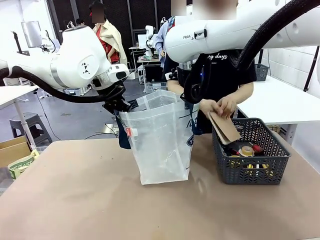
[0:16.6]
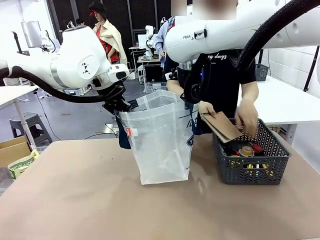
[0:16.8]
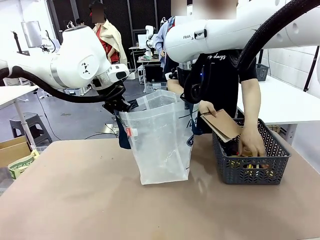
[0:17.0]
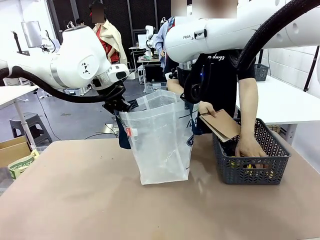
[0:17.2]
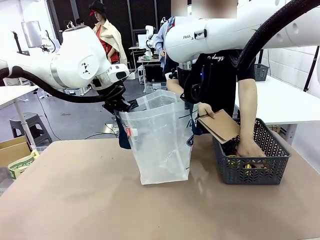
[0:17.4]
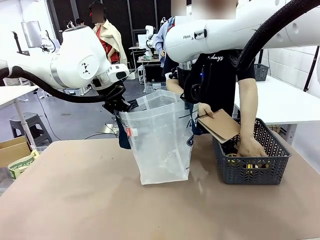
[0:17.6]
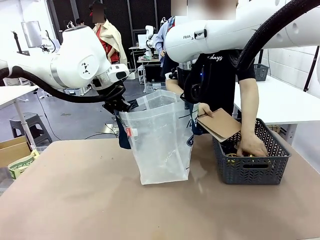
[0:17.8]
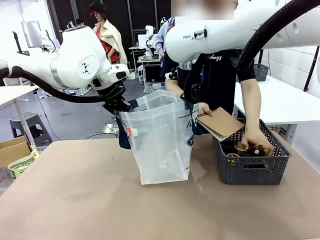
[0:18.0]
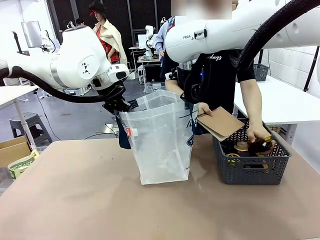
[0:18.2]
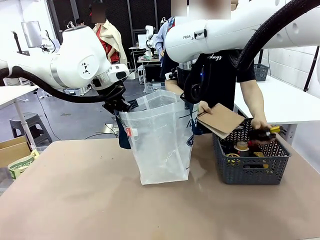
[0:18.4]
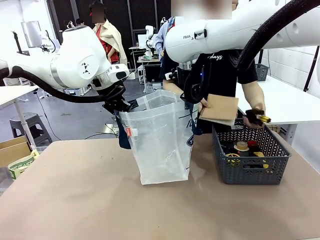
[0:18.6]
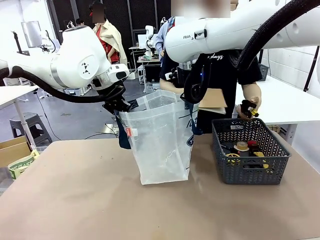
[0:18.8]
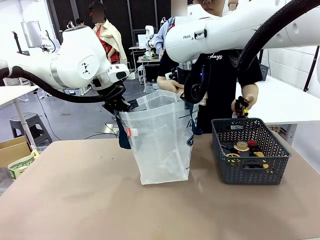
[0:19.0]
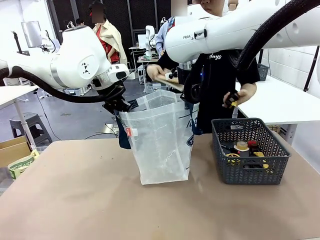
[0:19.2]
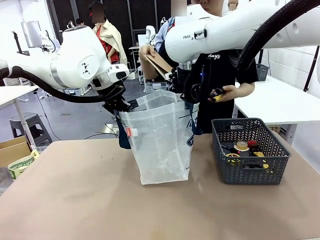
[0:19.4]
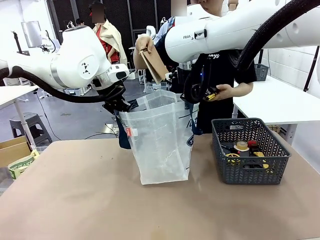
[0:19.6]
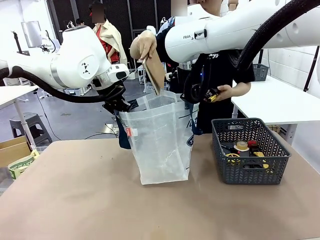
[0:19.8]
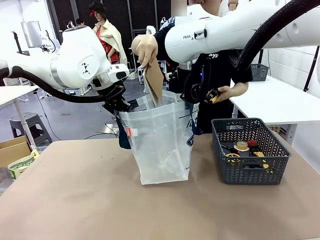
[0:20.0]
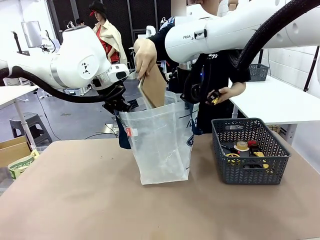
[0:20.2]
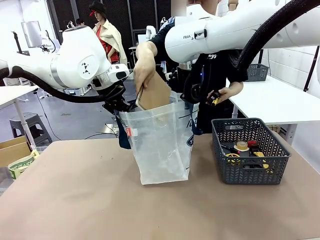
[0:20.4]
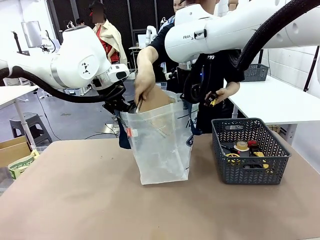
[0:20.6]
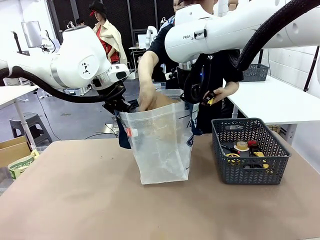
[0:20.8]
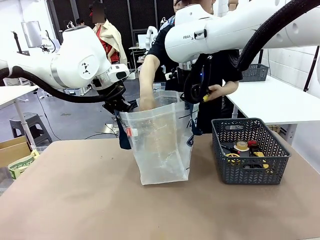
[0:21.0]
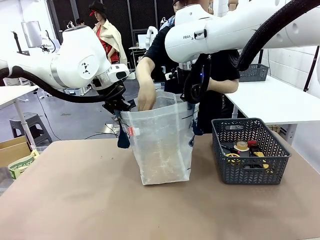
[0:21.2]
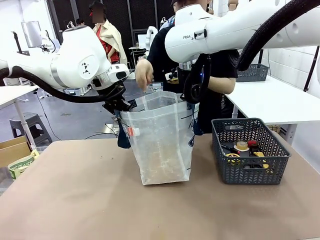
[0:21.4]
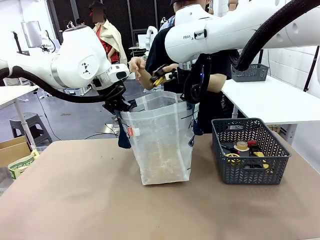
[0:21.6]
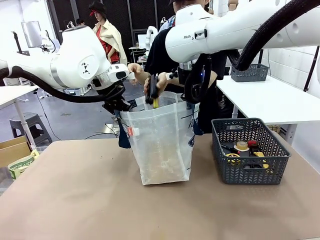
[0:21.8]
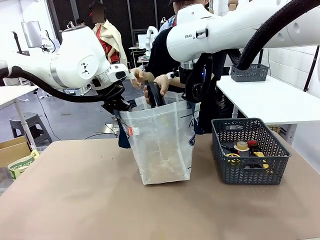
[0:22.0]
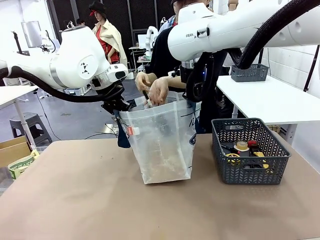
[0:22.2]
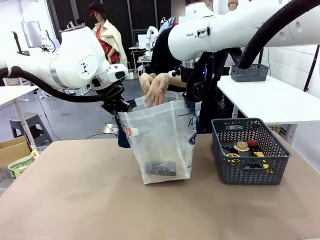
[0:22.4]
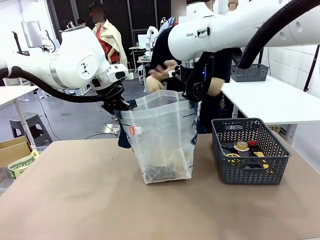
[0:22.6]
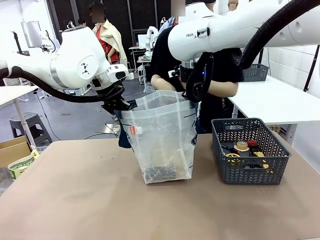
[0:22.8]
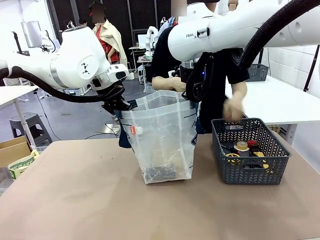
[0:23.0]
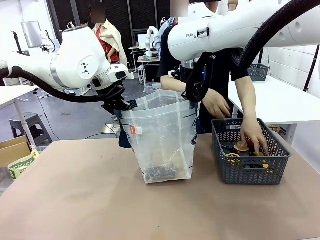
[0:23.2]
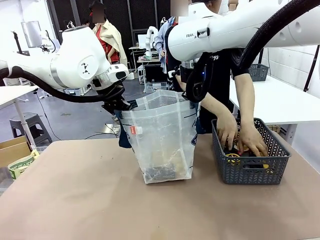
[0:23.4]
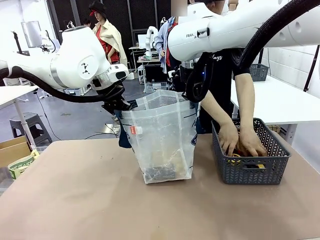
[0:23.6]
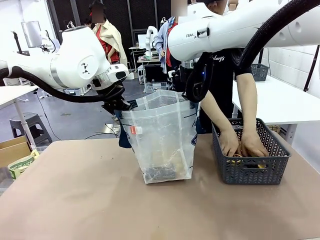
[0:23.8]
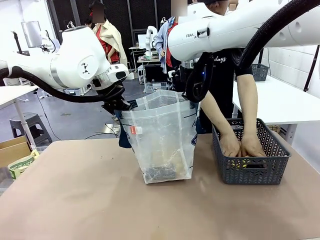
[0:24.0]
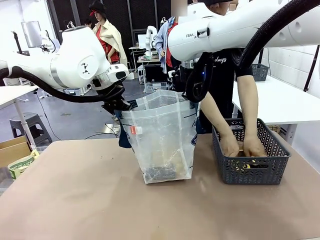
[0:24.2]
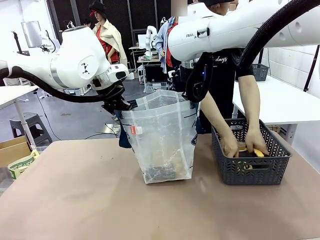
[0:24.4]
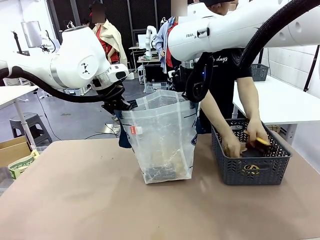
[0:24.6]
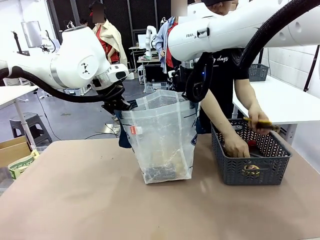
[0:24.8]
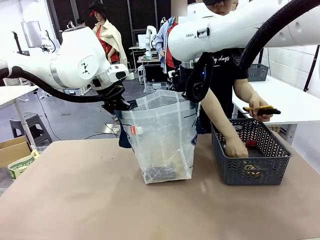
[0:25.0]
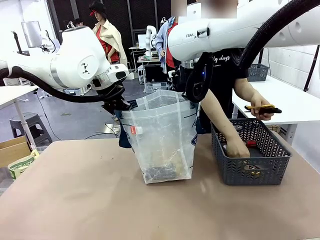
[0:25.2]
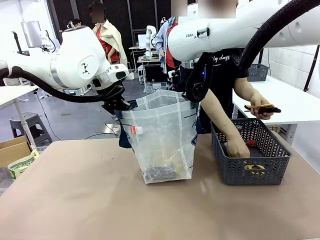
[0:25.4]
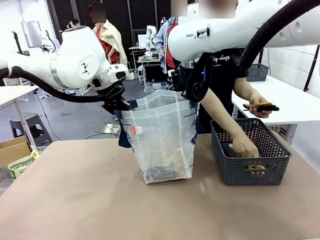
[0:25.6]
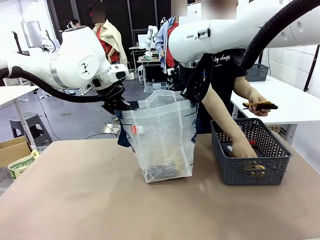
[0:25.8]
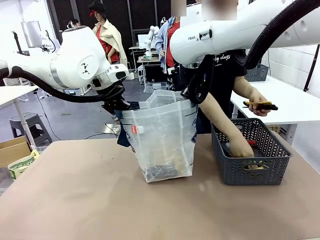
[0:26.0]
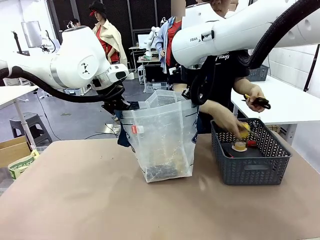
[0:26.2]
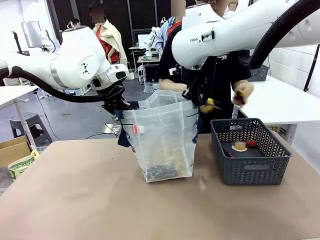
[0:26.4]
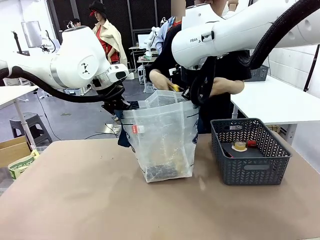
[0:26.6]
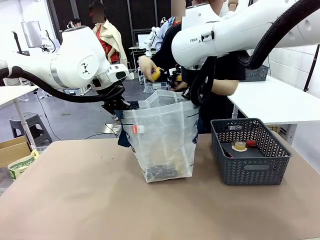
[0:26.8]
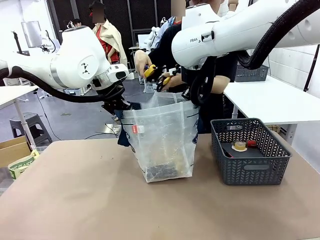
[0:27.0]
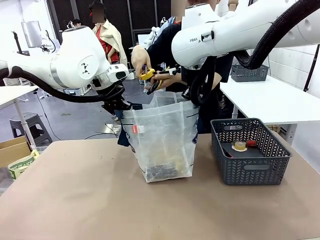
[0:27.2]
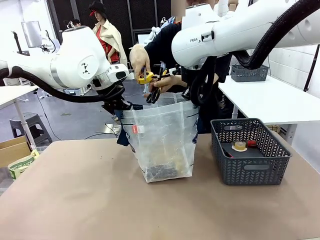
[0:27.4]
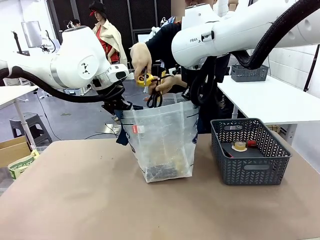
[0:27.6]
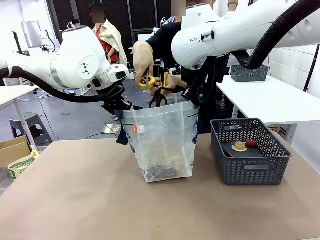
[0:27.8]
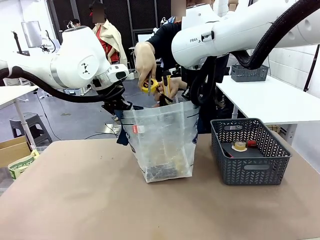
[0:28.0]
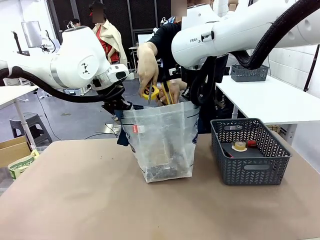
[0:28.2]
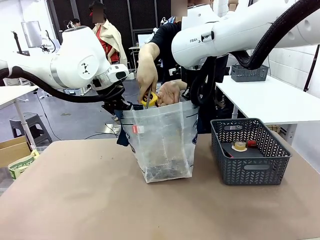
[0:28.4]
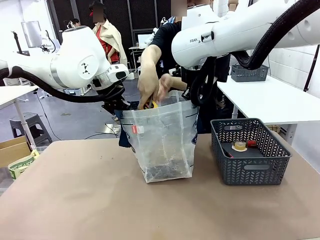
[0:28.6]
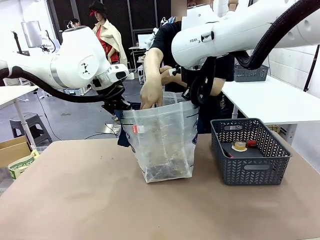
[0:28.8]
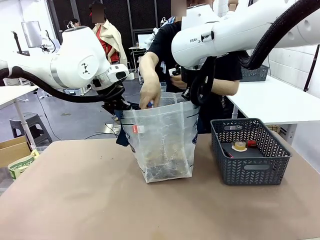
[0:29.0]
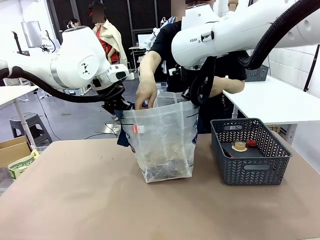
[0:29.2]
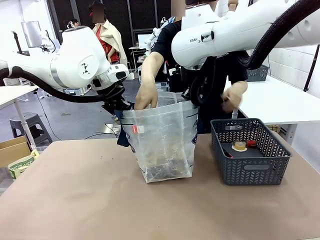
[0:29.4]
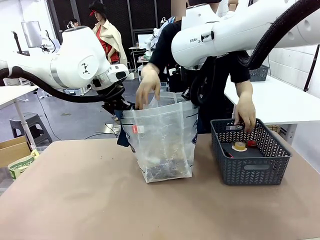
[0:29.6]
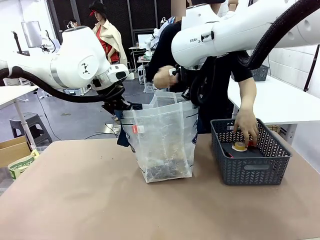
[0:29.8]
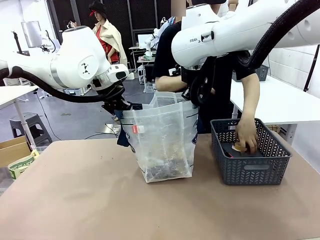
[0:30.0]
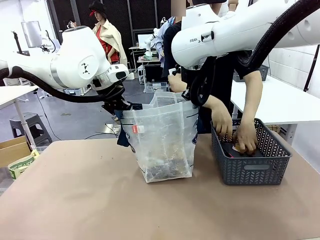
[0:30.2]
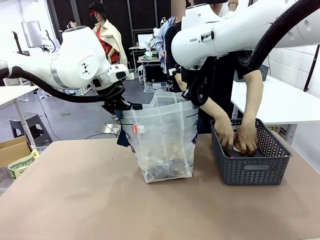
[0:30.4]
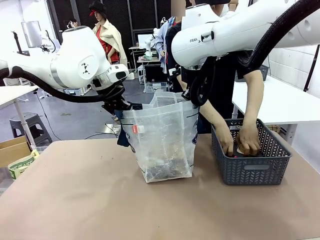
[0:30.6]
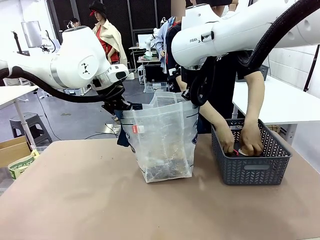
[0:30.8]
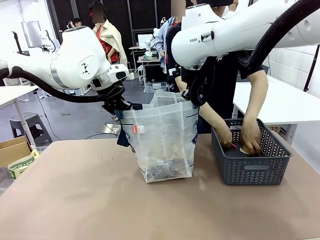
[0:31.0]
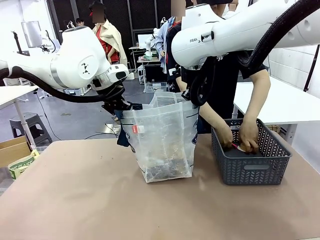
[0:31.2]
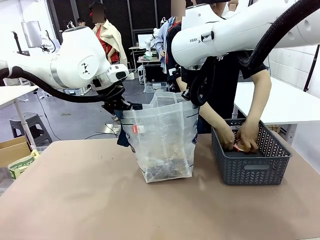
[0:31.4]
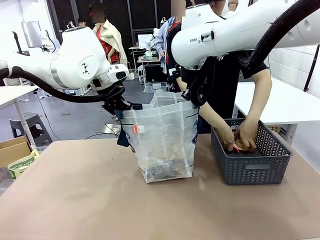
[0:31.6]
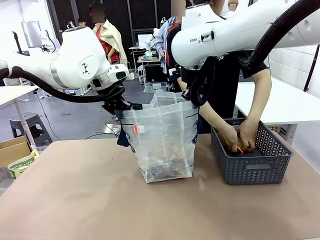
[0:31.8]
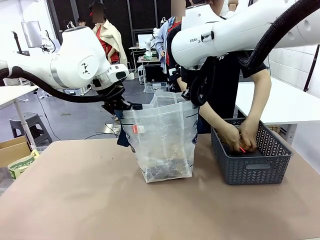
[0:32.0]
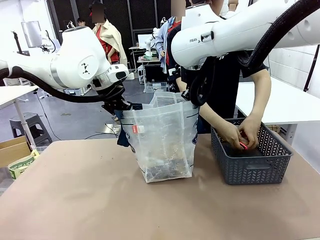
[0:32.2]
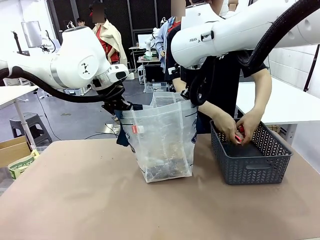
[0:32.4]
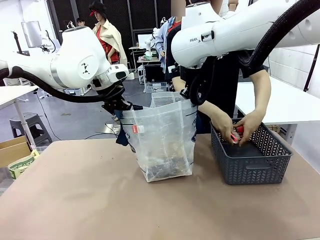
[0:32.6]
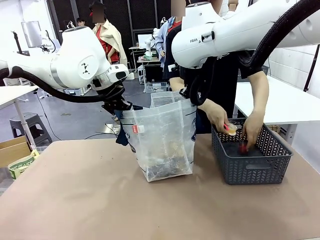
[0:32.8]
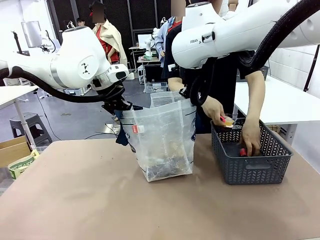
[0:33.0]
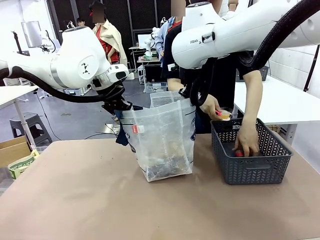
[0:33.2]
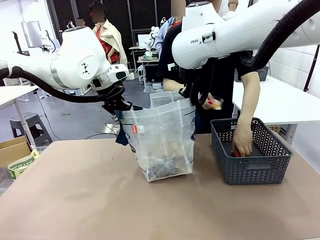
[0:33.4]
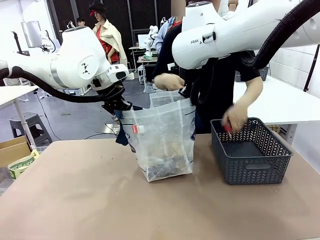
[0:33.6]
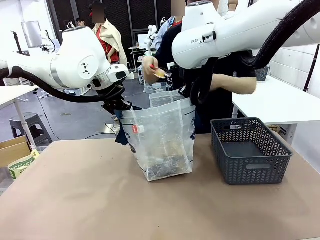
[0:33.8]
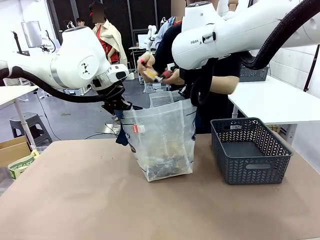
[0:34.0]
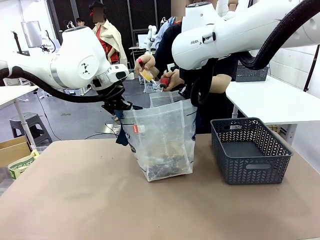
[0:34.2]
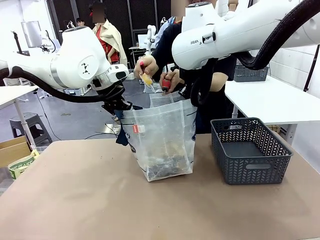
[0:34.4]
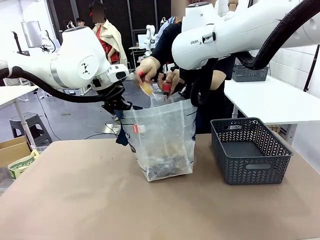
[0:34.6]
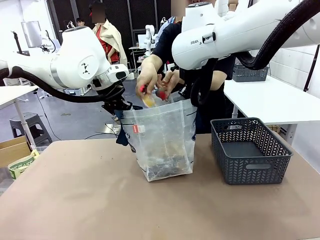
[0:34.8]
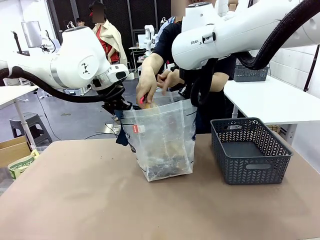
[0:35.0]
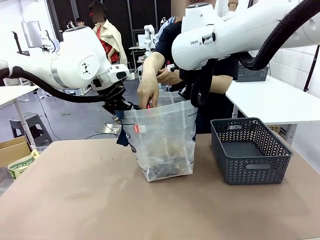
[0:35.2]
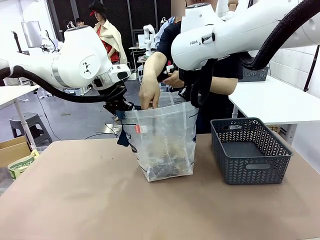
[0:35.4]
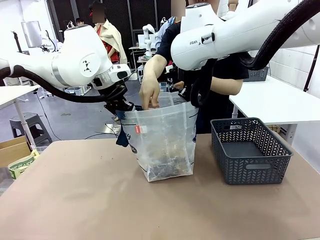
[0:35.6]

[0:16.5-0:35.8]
Task: Transfer purchased items from the store into the shopping bag.
Robot: Move the Reusable shopping bag to the right side of the table.
Person: Pick up the basket on the right, place it on the left side of the robot table, and move the items in the basket to the shopping bag.
